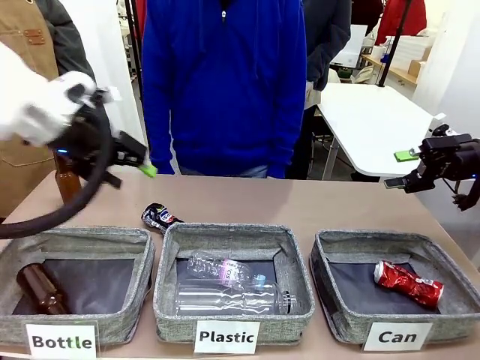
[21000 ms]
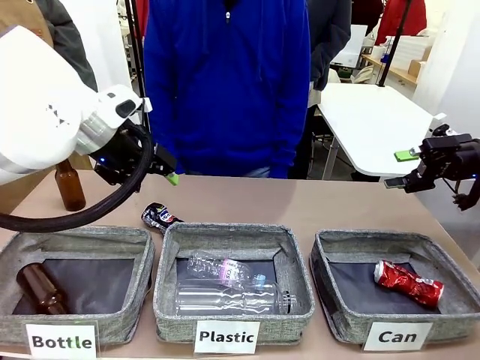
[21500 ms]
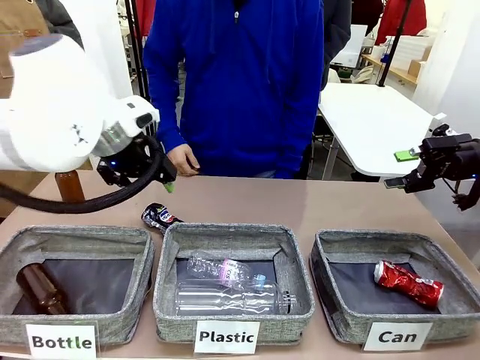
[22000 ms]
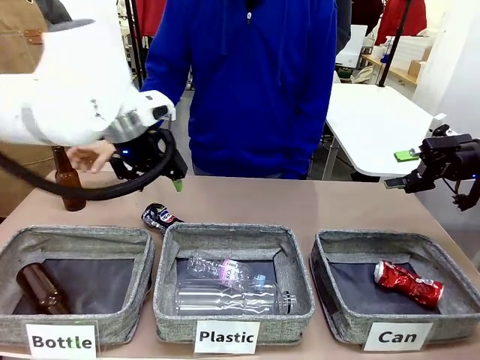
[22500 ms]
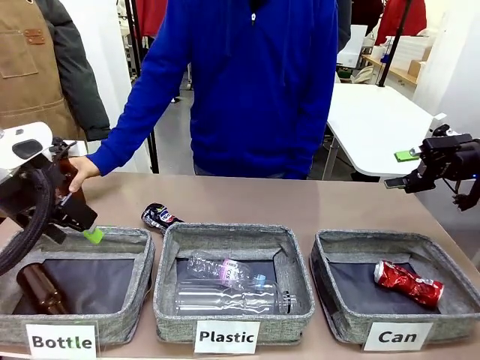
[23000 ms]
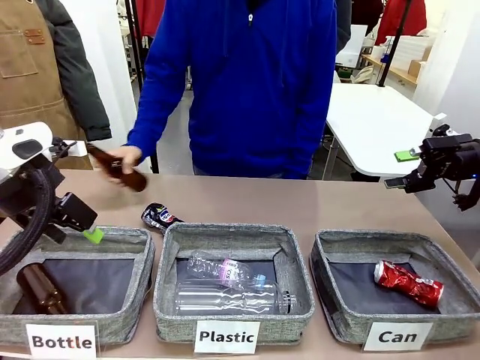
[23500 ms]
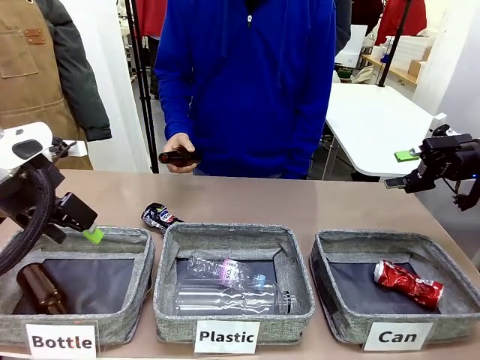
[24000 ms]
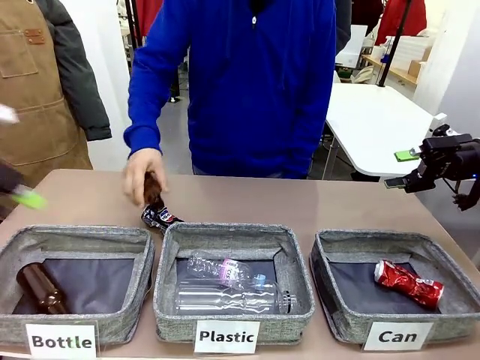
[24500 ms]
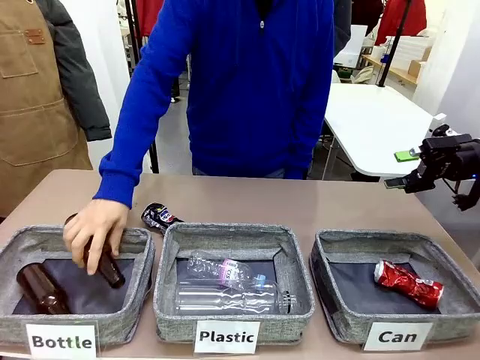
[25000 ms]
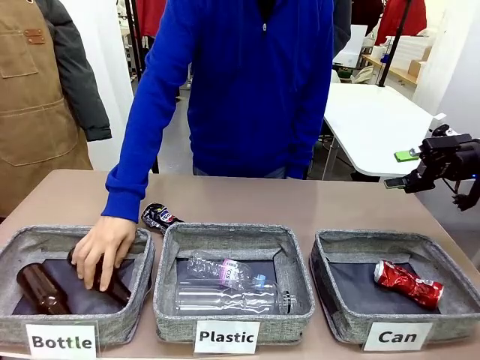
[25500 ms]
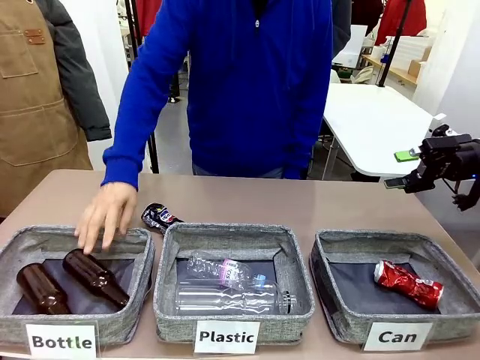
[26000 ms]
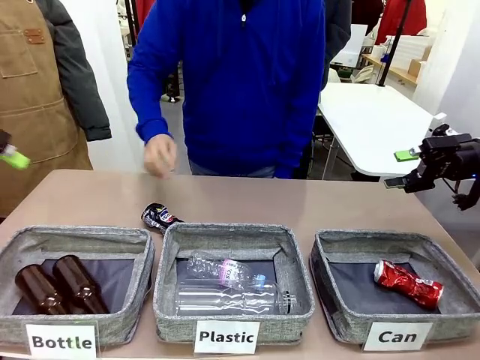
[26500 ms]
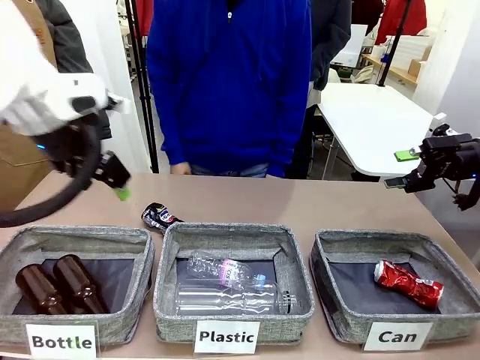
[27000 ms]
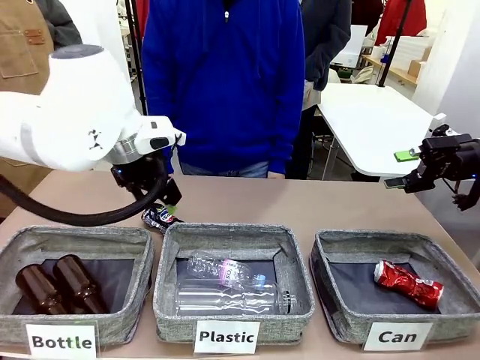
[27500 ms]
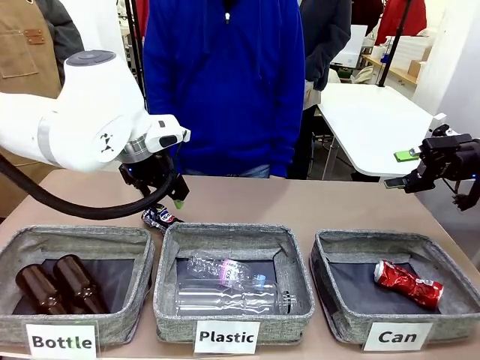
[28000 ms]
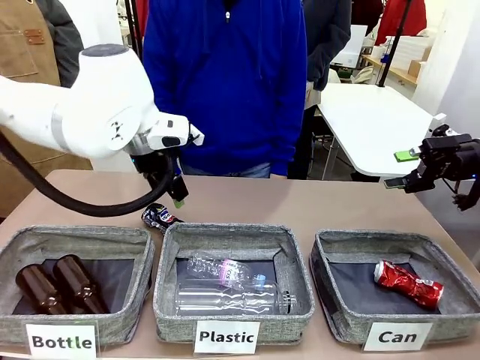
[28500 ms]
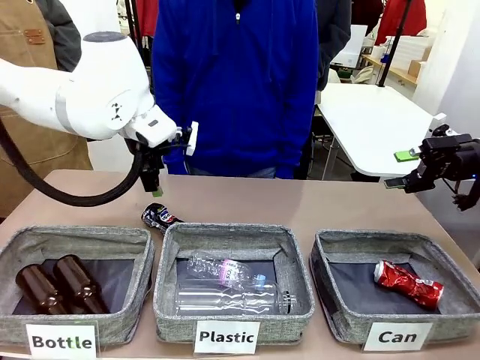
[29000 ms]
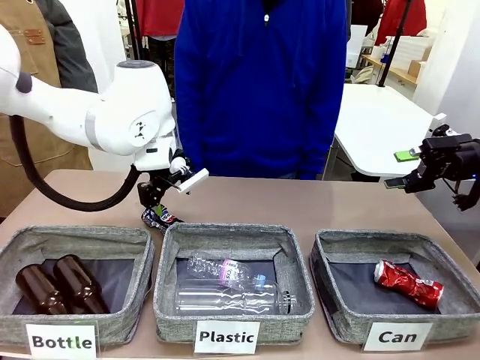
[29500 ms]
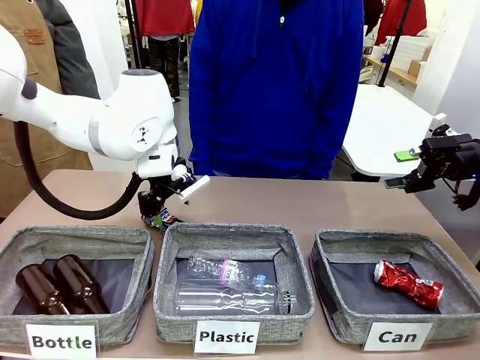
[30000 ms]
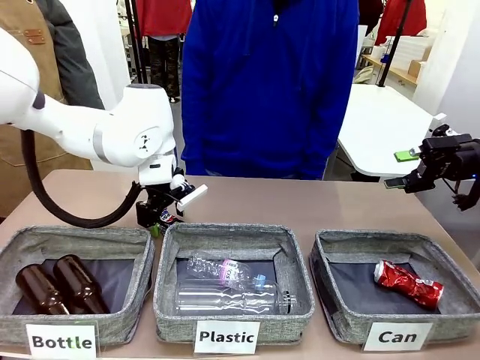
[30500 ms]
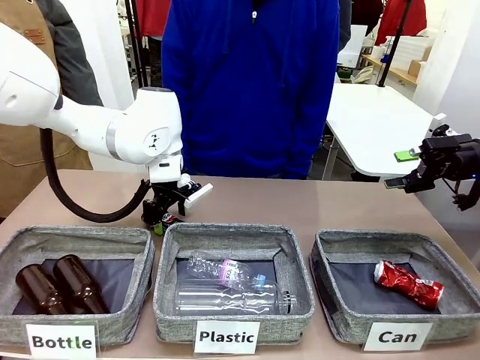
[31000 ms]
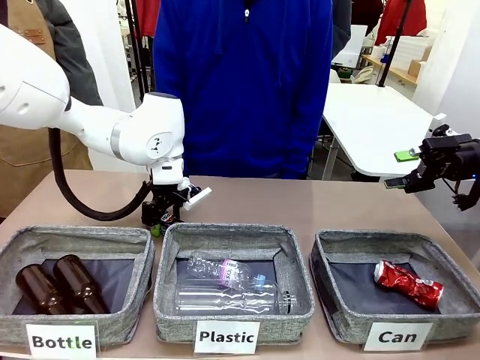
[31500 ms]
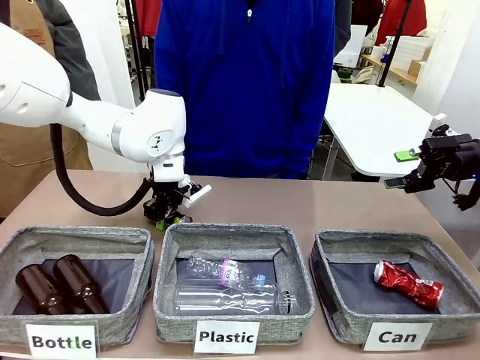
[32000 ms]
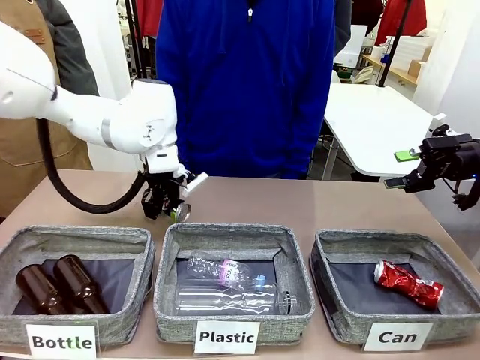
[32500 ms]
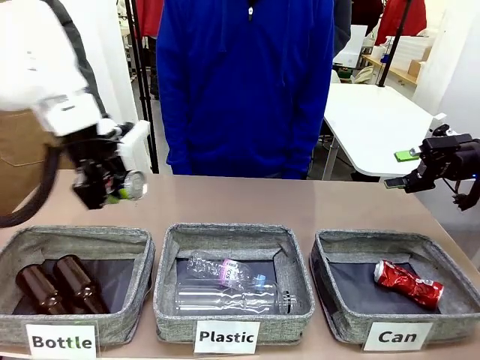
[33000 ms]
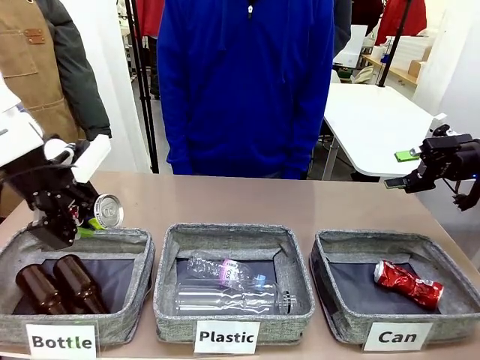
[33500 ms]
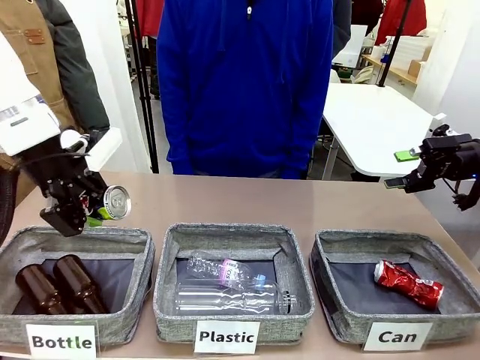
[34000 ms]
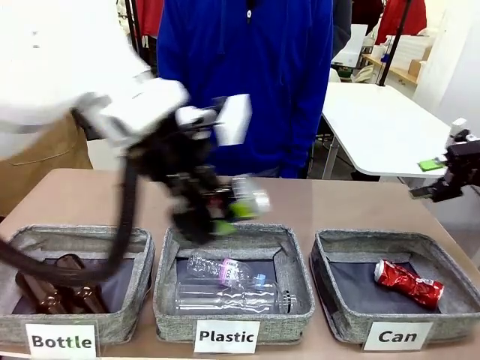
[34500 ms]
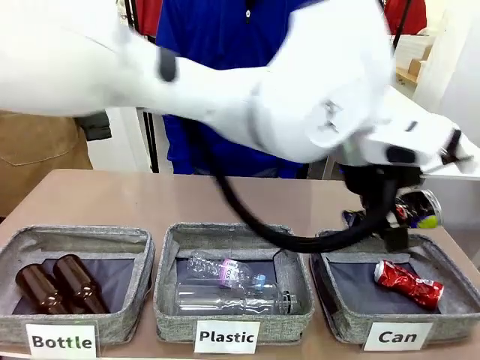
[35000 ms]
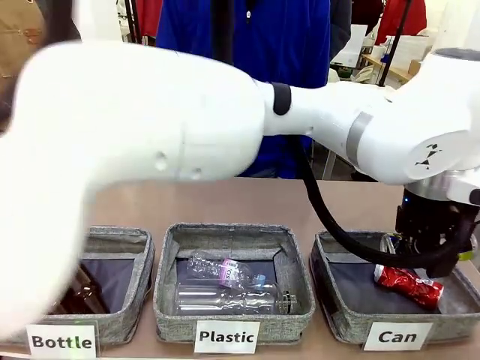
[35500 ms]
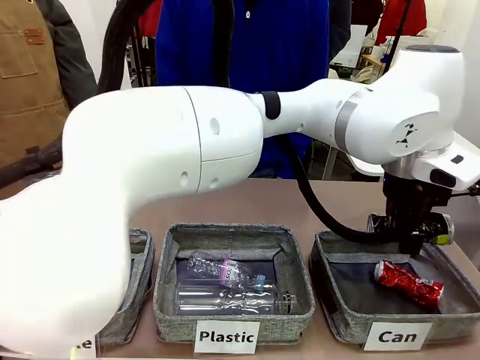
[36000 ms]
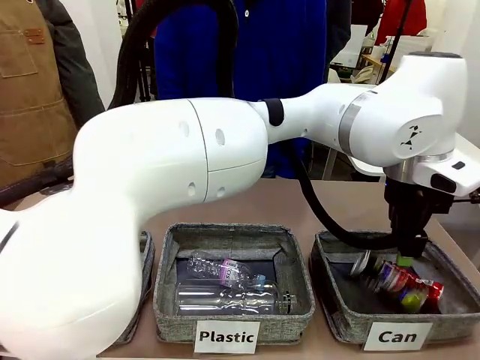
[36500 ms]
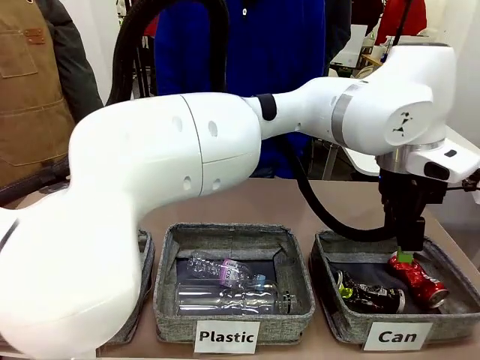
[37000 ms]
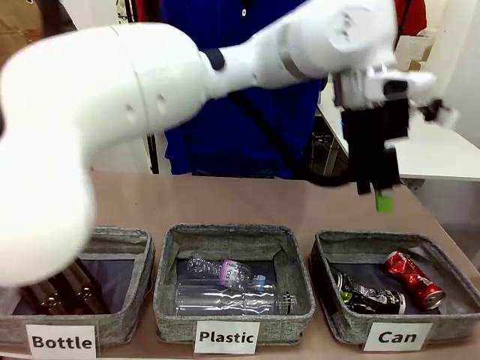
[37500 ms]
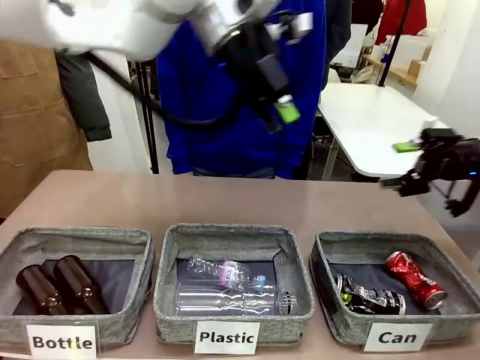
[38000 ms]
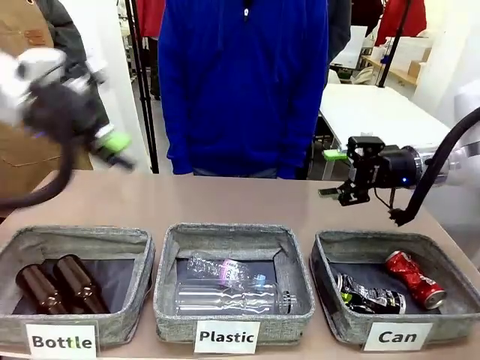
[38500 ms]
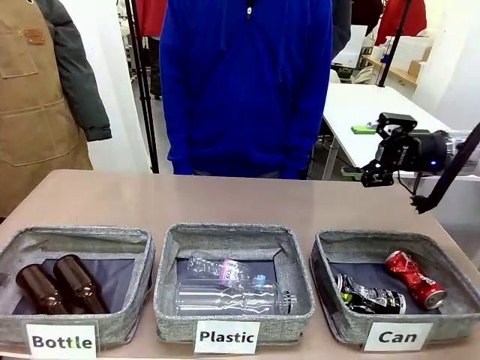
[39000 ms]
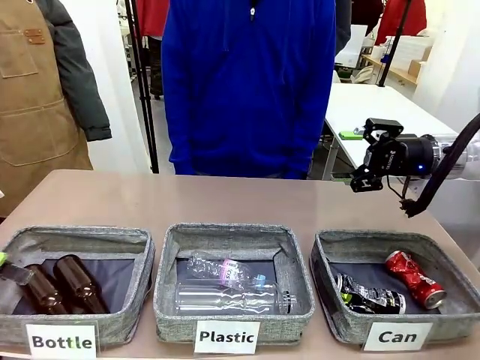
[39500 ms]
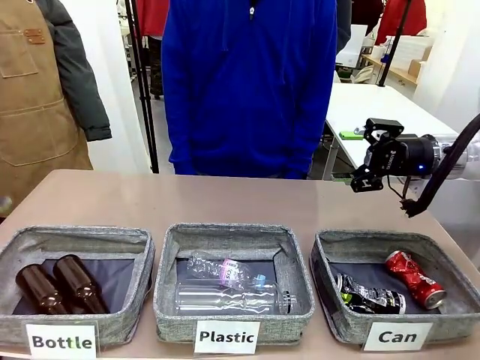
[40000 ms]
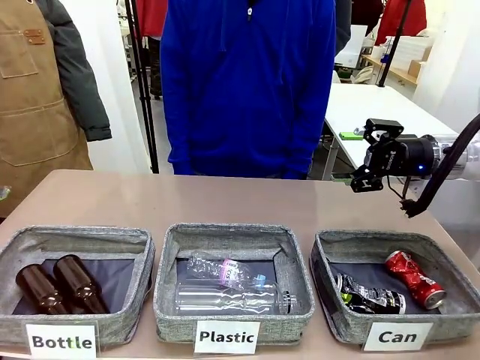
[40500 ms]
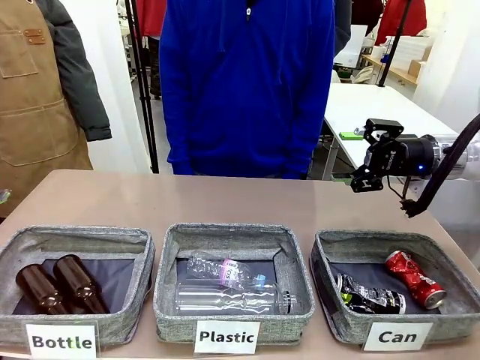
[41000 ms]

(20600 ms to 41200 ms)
Task: Sort the can waste into the basket.
Robot: Pick up the can waste from the table and place it in the right Fabric basket.

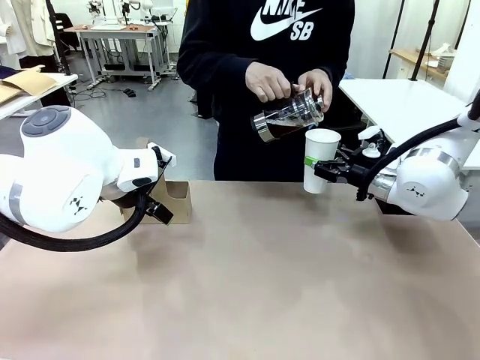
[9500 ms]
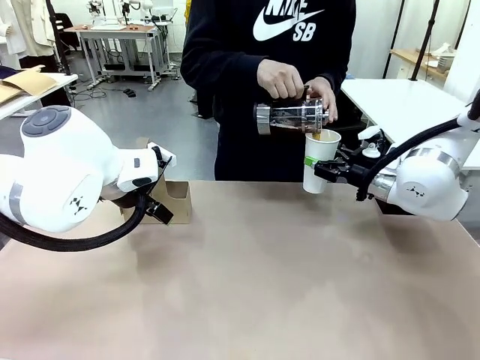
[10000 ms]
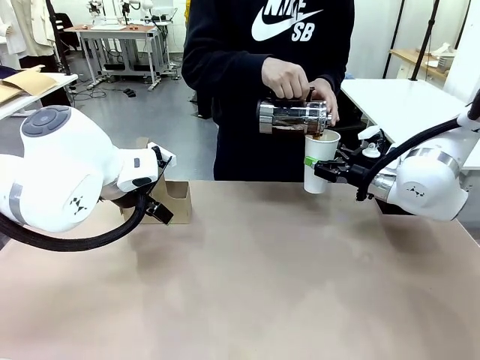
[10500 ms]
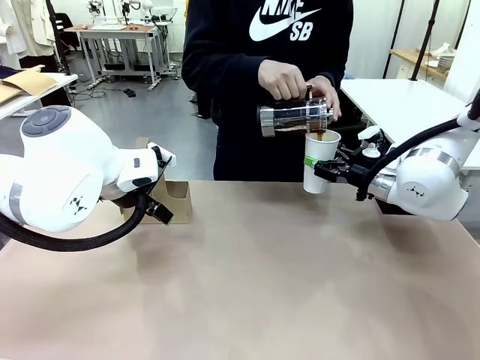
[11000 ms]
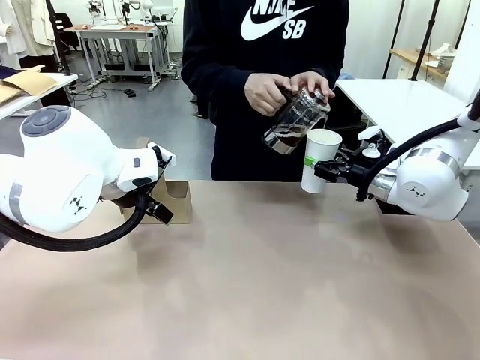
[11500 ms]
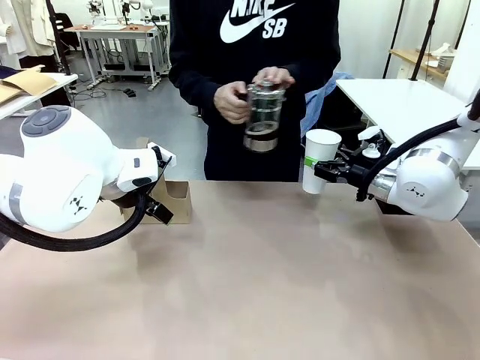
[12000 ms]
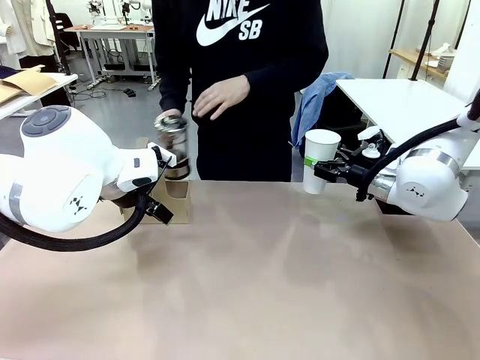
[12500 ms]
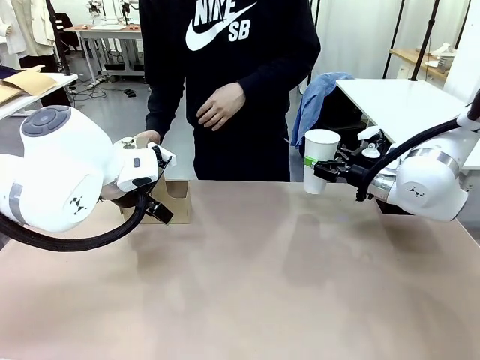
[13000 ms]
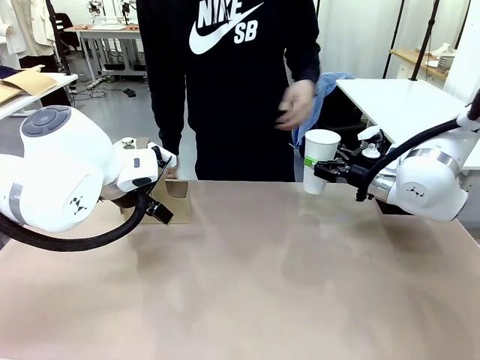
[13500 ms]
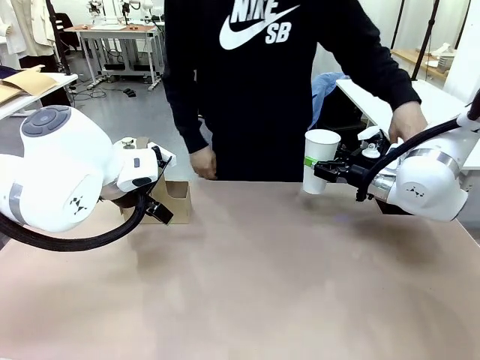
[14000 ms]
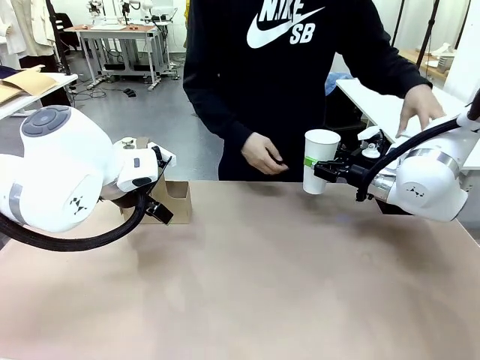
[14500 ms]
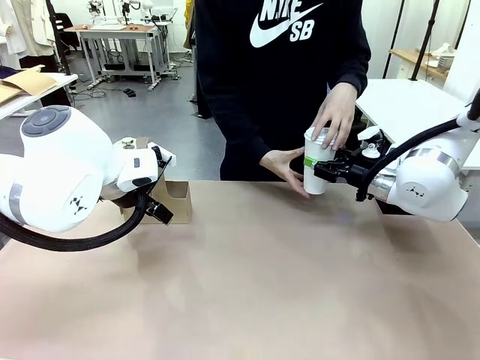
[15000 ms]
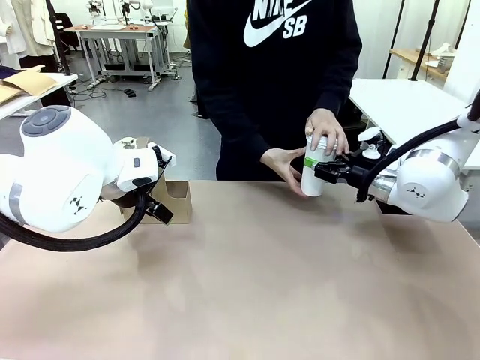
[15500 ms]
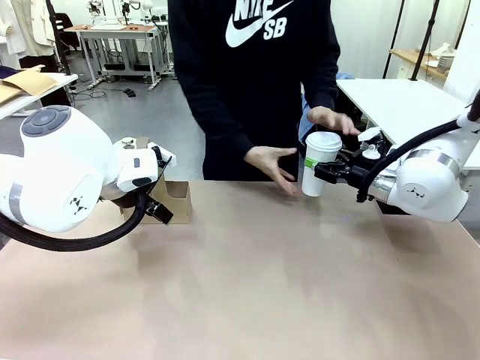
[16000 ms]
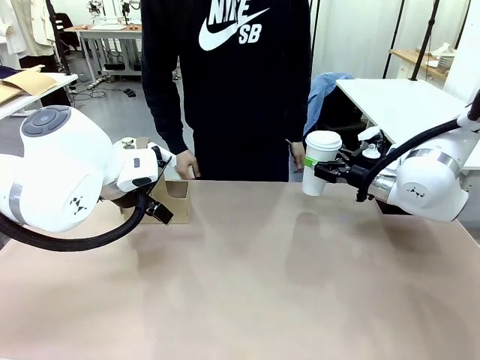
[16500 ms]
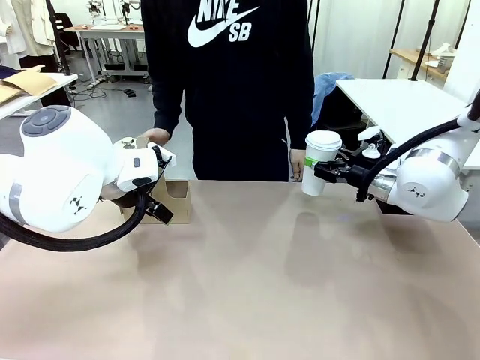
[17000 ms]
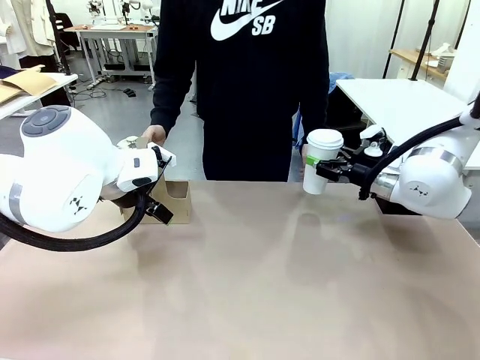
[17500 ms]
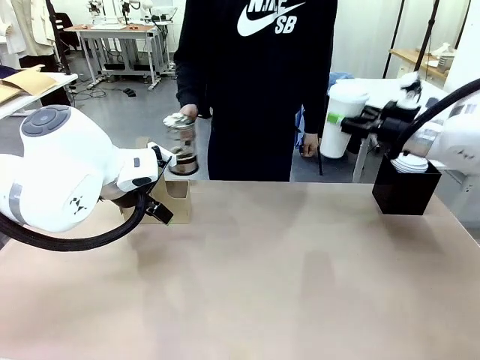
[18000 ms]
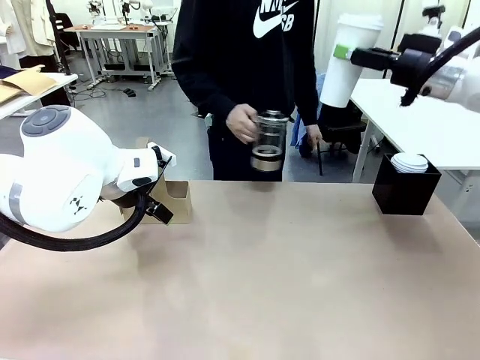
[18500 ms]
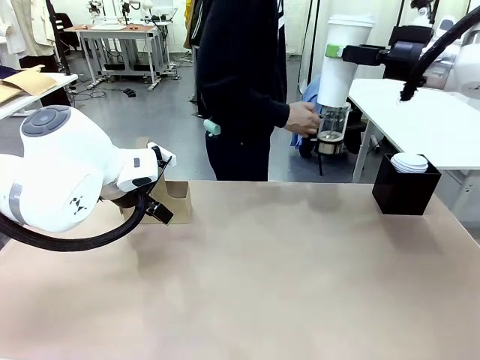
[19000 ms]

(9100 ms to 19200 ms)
Task: Pour a drink into a cup and package it in a carrier.
Robot: When a person places the Paper Cup Lid on the 600 ml Paper Cup , lift the 600 ml Paper Cup.
Person: Pour the drink from the Filter Brewing into the 600 ml Paper Cup. Place a Paper Cup Lid on the 600 ml Paper Cup.
